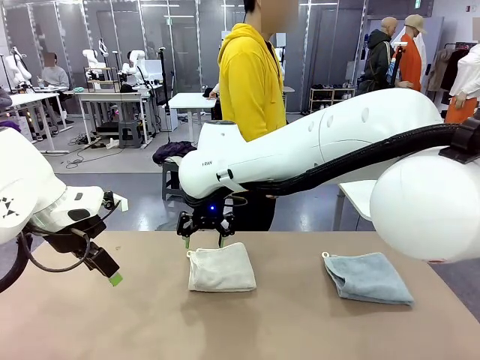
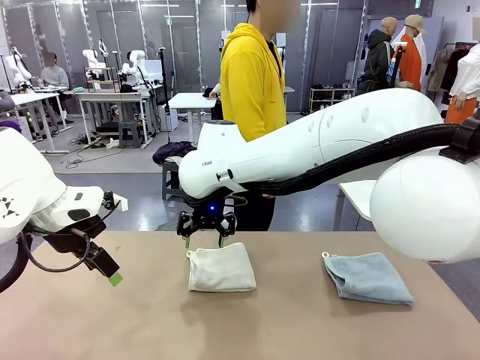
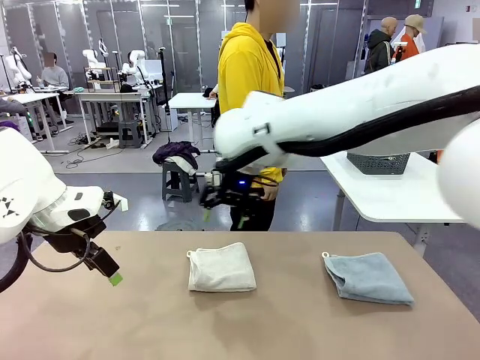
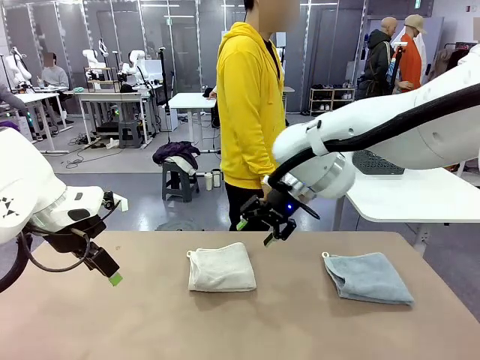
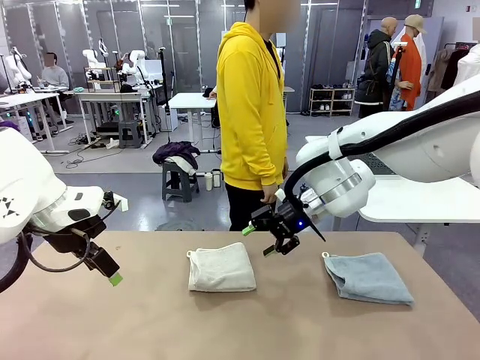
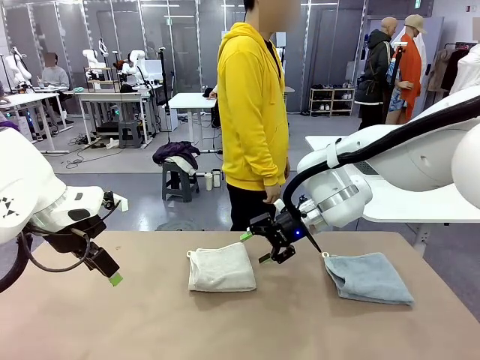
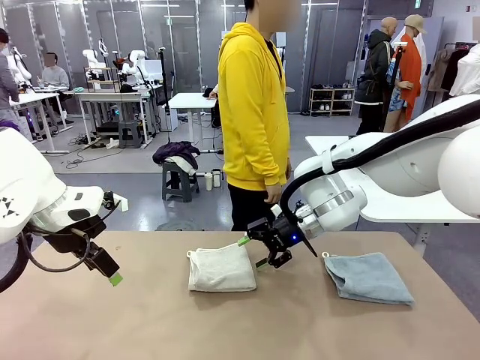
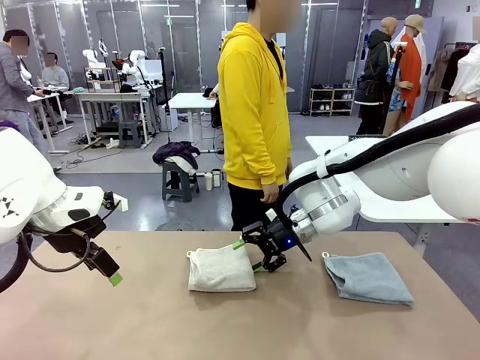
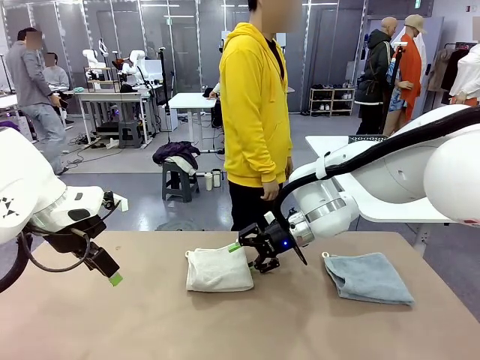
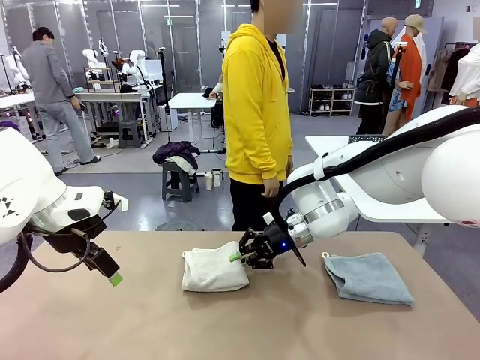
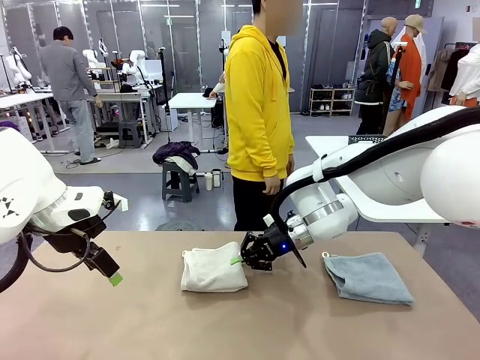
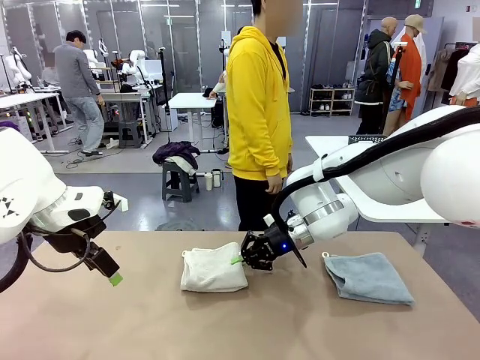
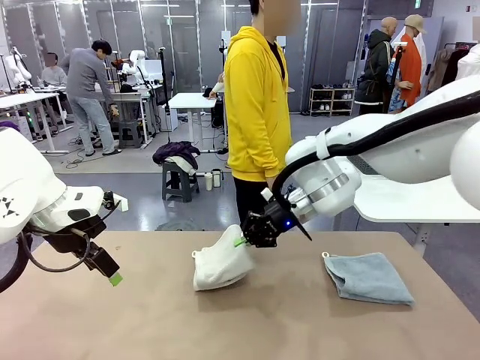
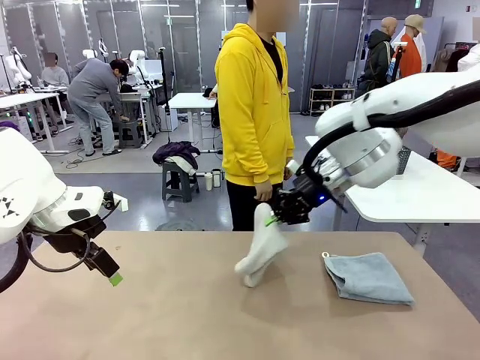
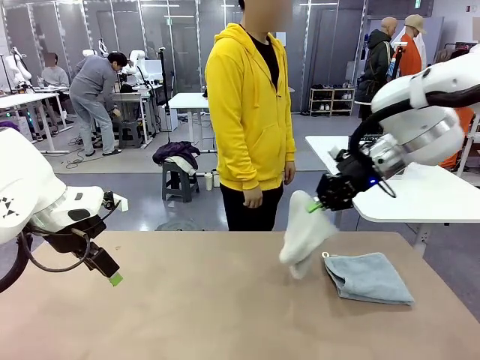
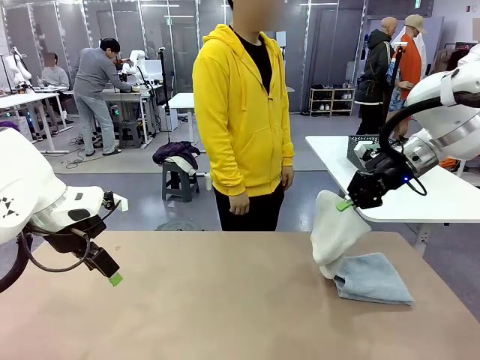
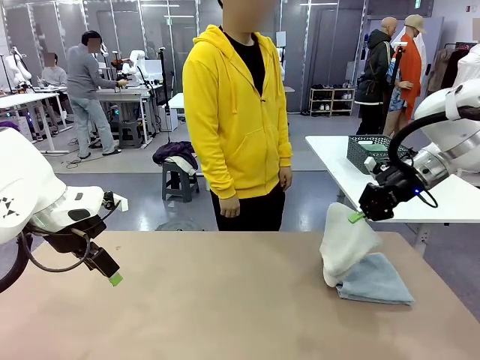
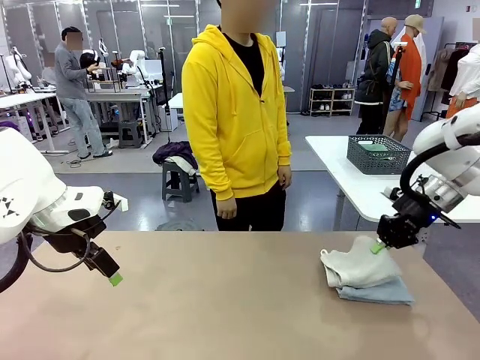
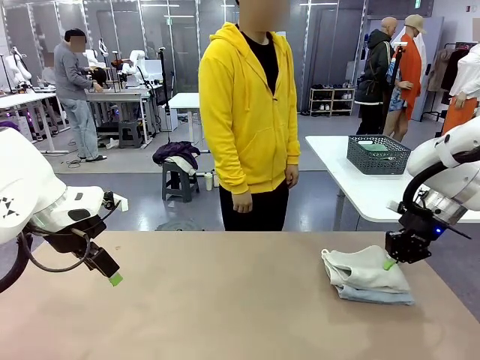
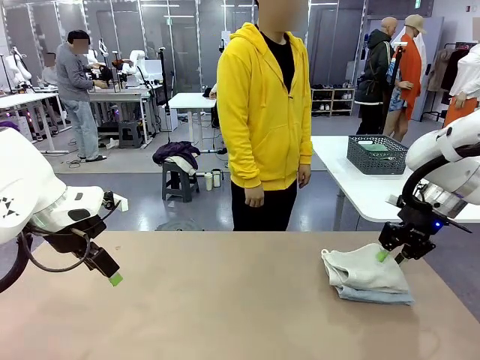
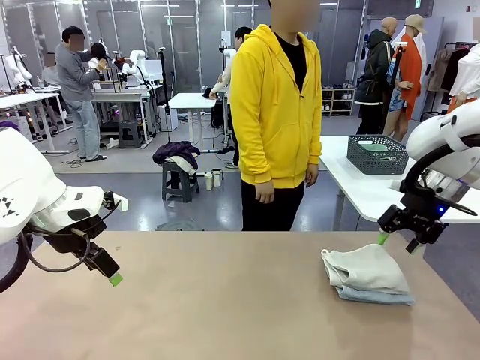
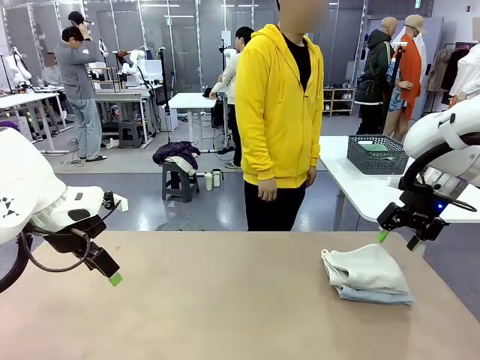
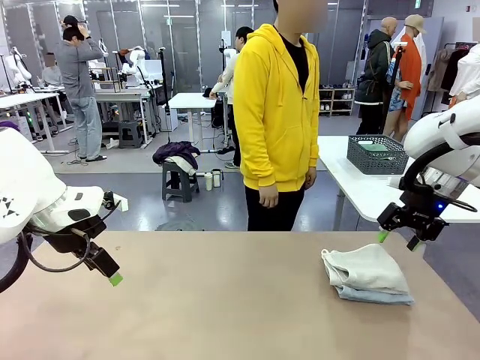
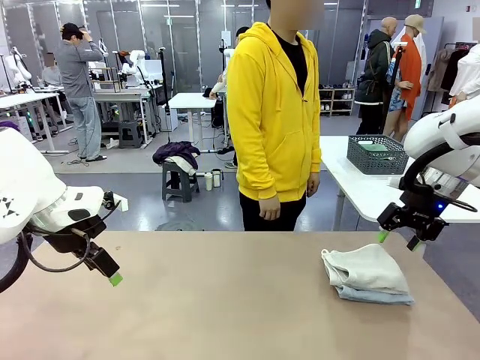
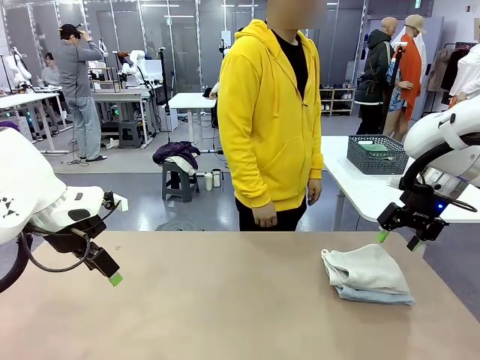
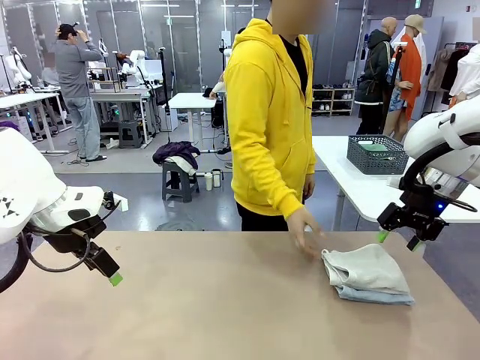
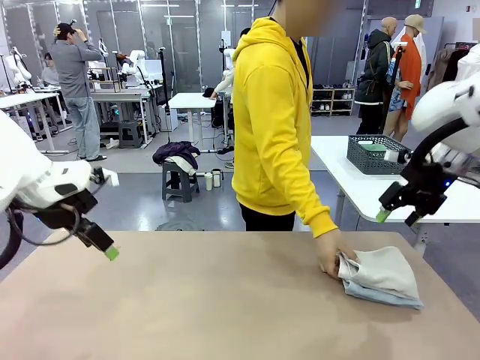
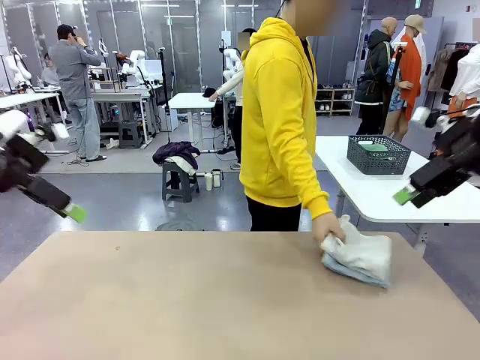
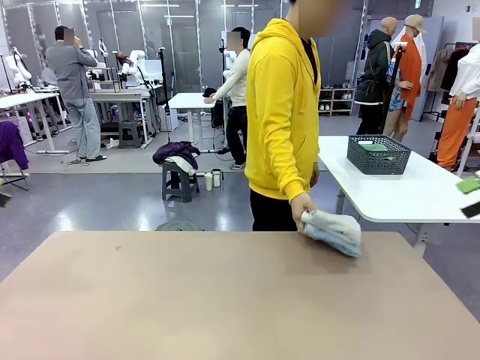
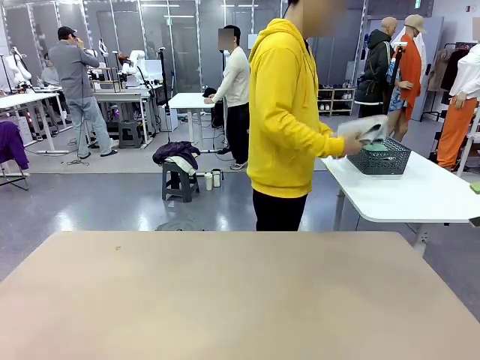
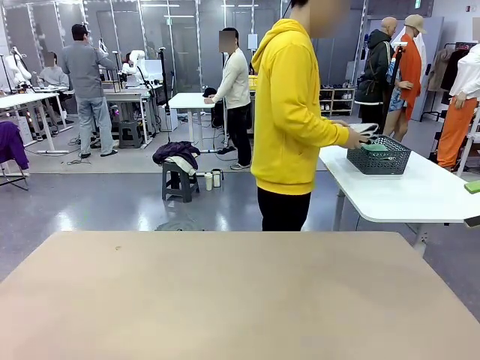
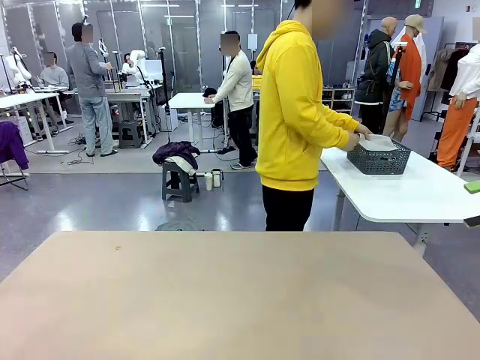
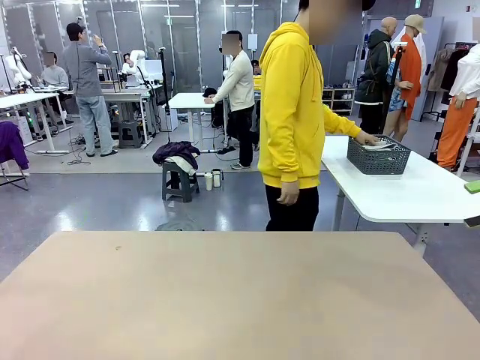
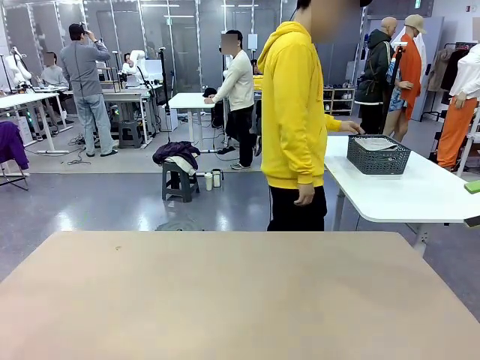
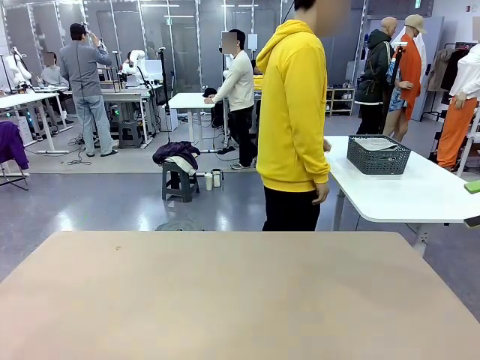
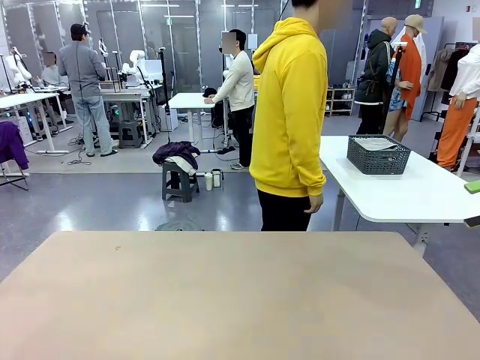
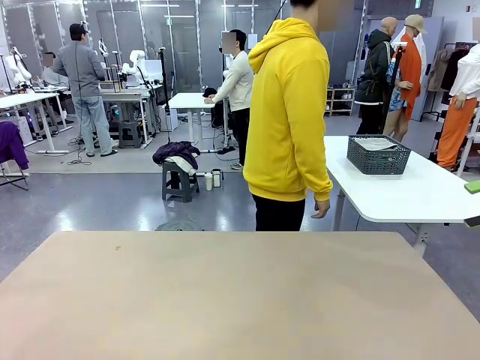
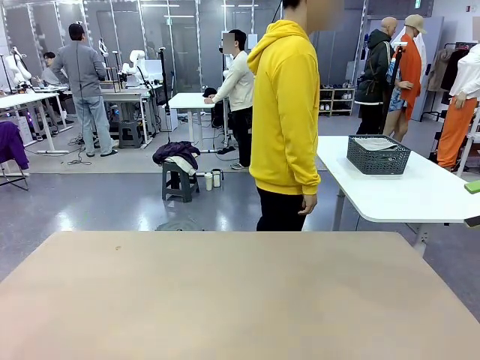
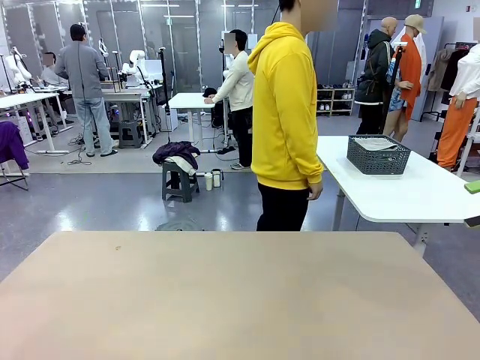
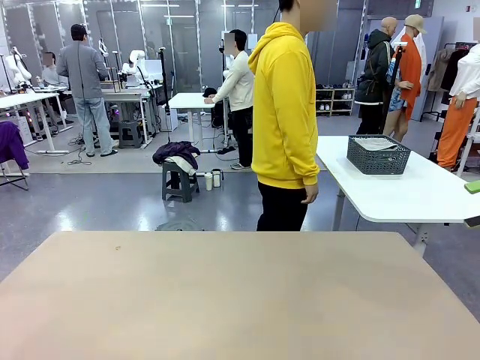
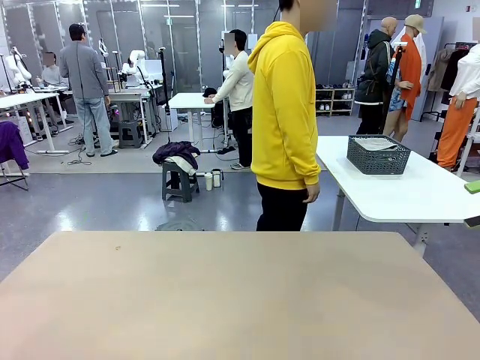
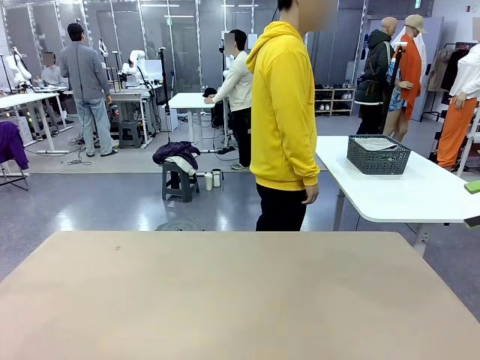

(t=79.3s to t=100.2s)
Task: Fold the towels and place them in the basket.
Robot: Stack the folded Towel with hook on the right side of the table.
Person: Pick up the stack of towels from the robot table and place it into the basket.

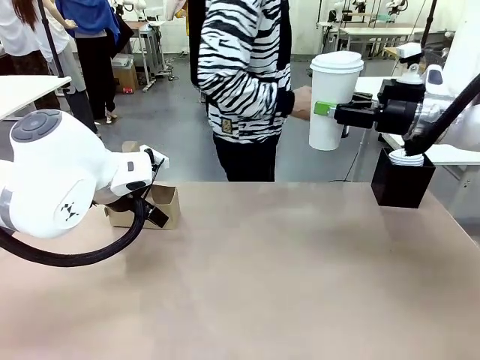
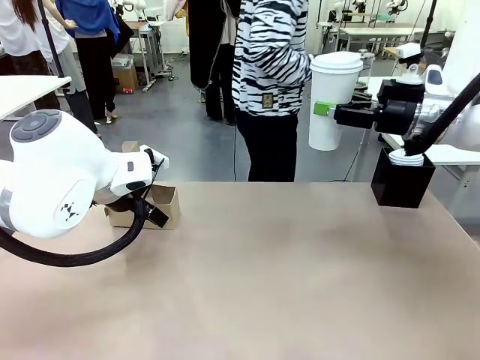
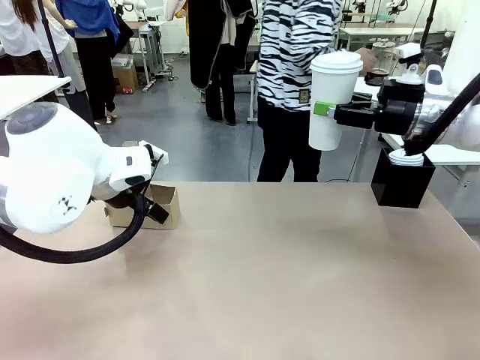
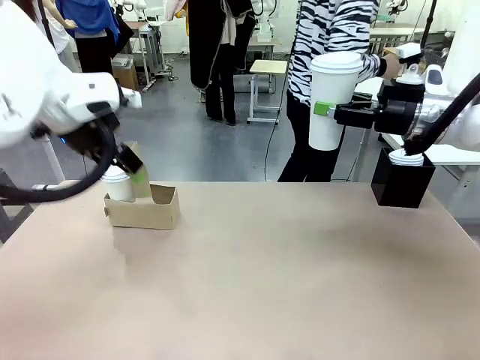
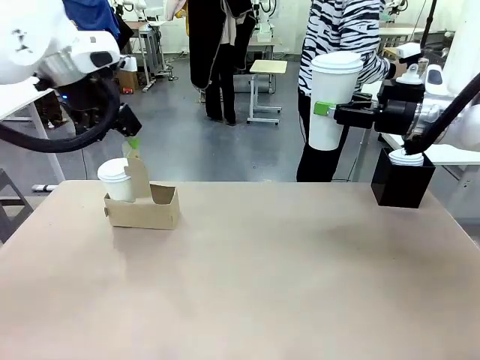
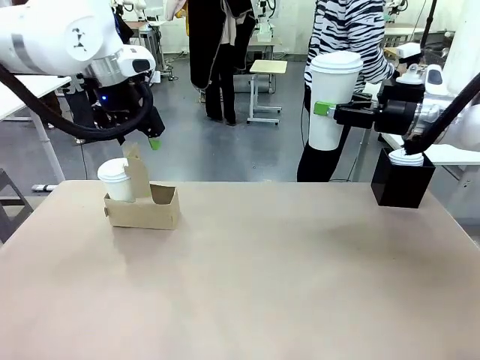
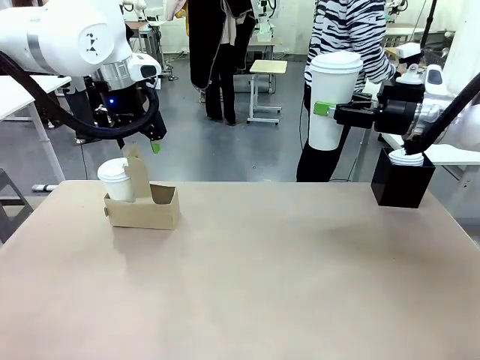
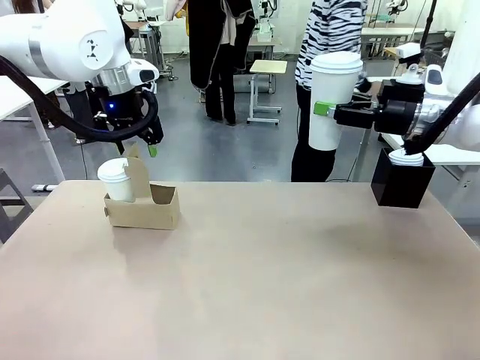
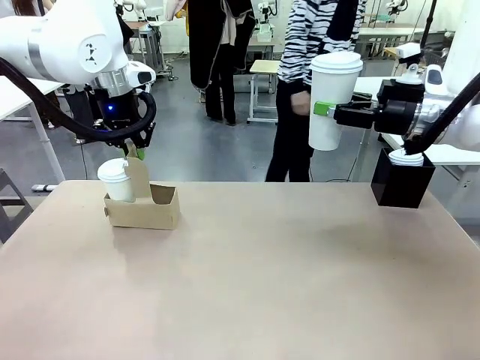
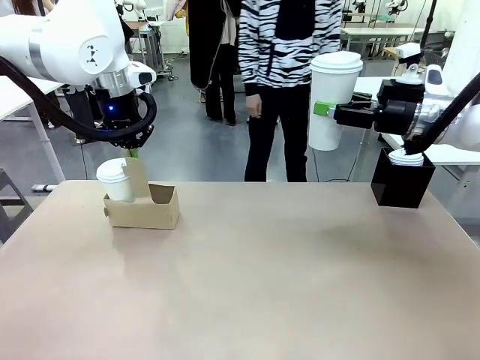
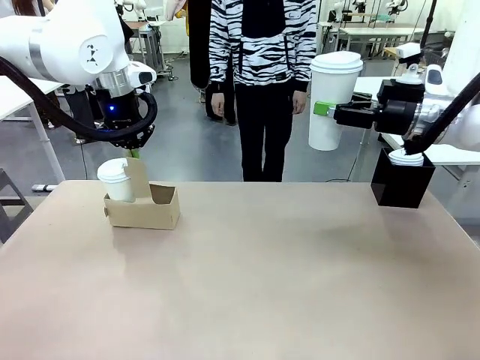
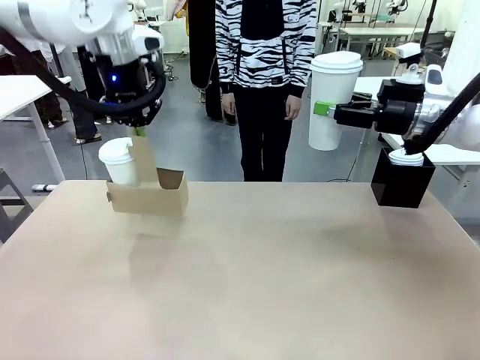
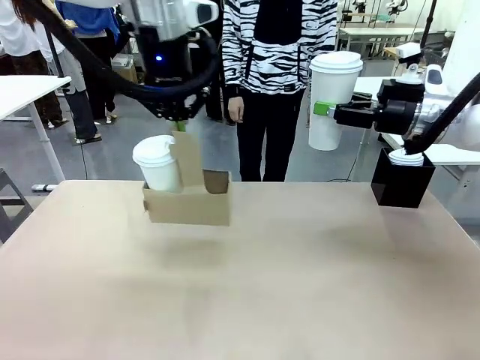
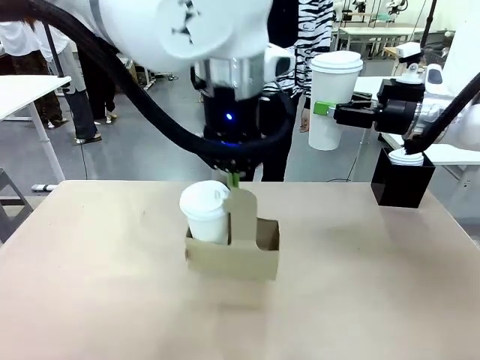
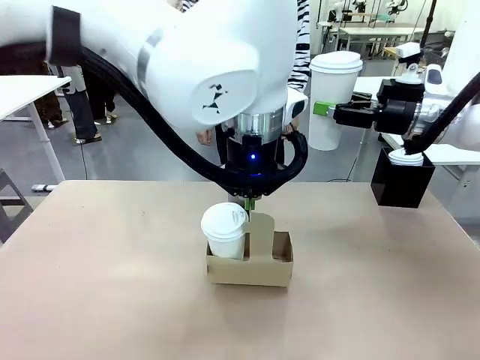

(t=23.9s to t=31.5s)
Task: Pour a drink into a cup and package it in a carrier.
Robot: Position the Cup Carrier in the center of the table.
Person: Pick up the Filter Brewing and place on the middle of Human table, and return to the Robot table.
